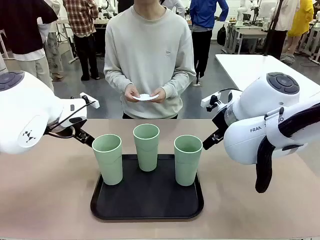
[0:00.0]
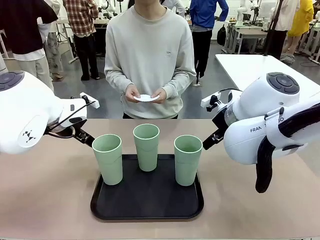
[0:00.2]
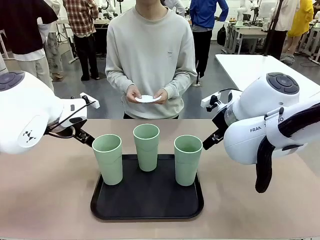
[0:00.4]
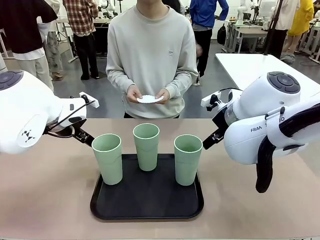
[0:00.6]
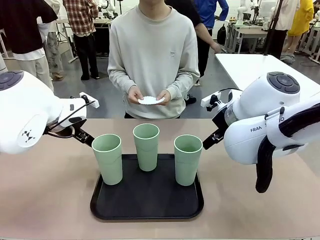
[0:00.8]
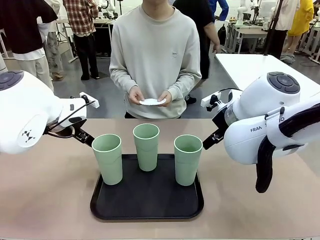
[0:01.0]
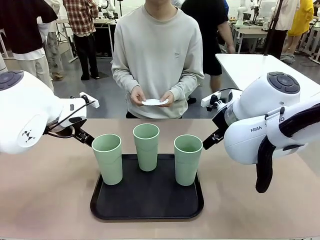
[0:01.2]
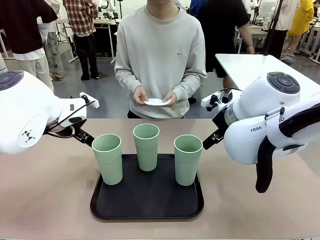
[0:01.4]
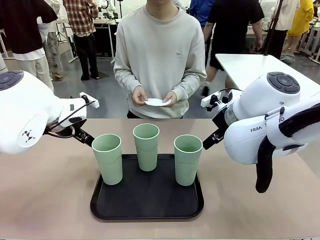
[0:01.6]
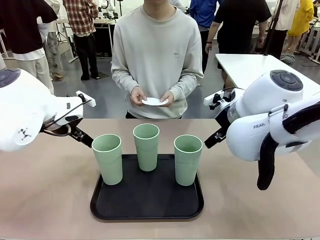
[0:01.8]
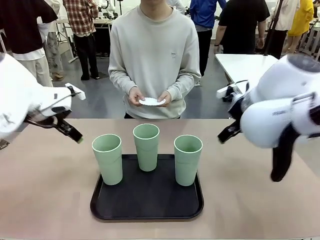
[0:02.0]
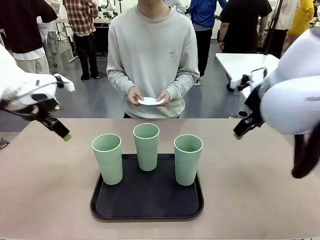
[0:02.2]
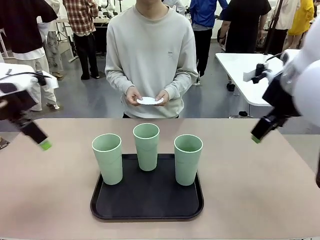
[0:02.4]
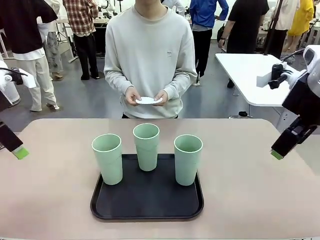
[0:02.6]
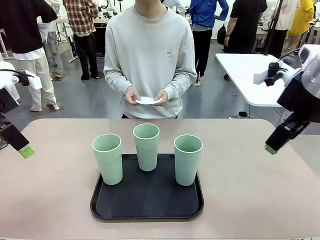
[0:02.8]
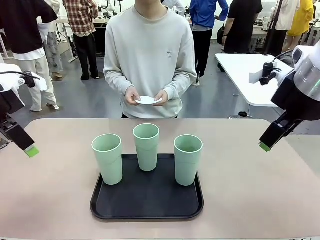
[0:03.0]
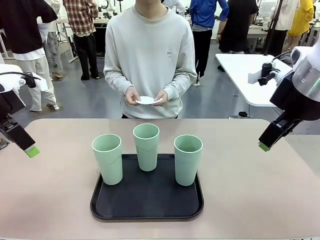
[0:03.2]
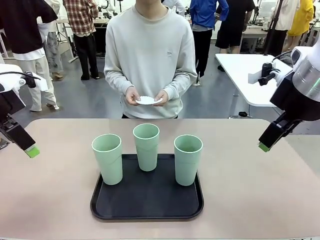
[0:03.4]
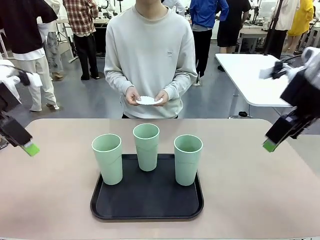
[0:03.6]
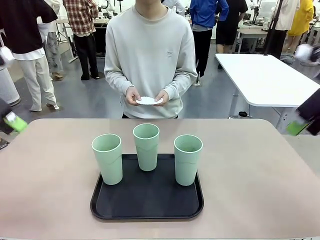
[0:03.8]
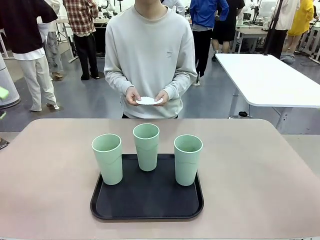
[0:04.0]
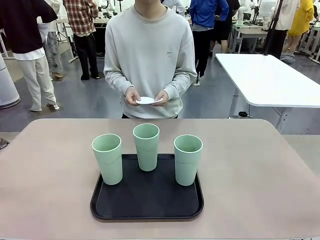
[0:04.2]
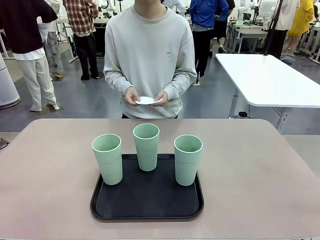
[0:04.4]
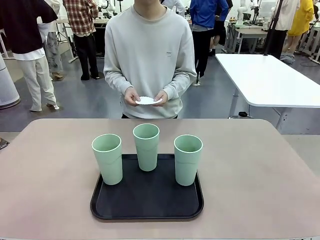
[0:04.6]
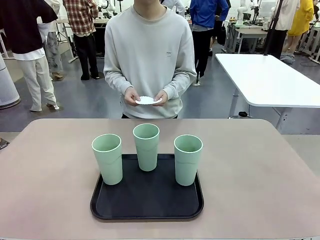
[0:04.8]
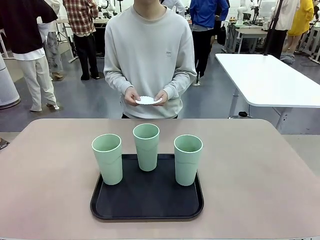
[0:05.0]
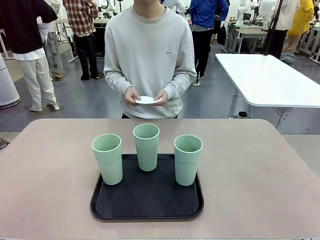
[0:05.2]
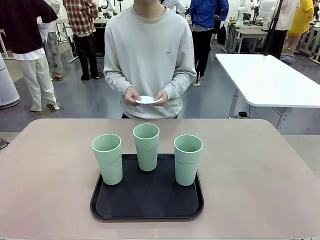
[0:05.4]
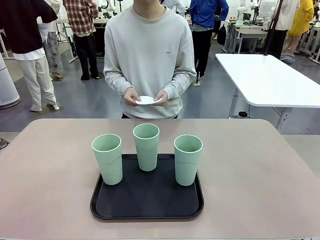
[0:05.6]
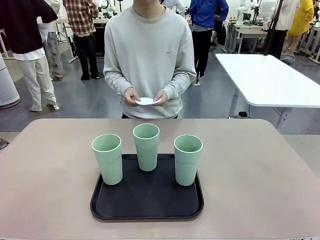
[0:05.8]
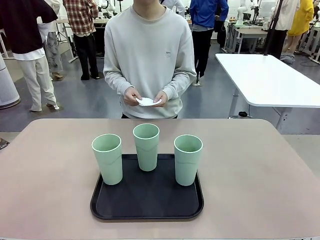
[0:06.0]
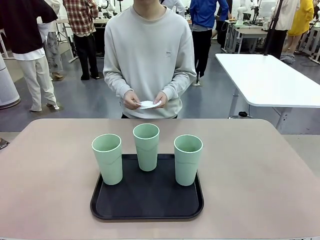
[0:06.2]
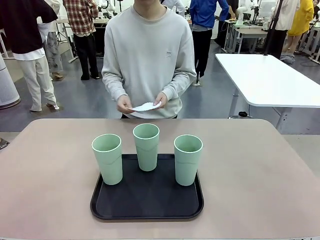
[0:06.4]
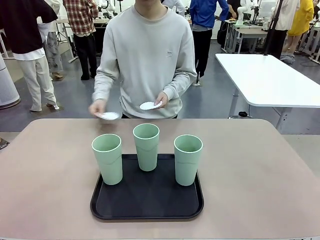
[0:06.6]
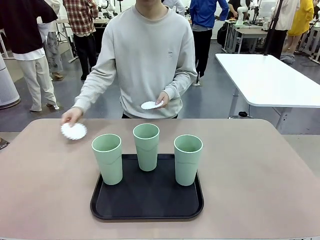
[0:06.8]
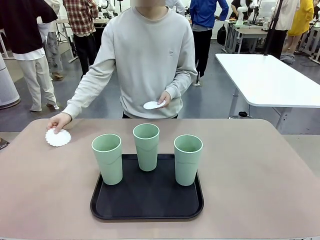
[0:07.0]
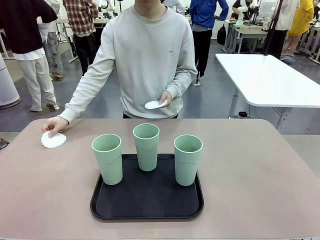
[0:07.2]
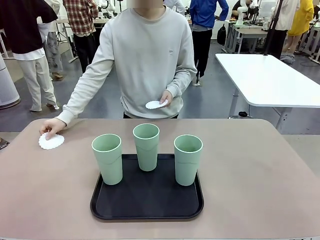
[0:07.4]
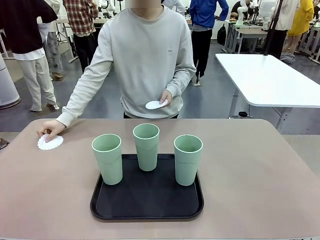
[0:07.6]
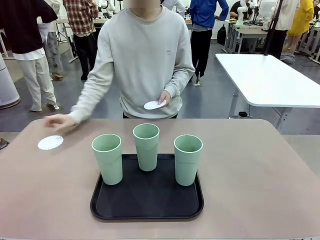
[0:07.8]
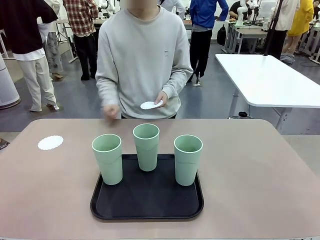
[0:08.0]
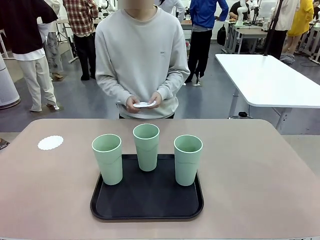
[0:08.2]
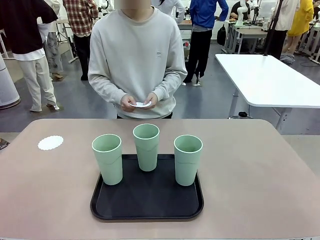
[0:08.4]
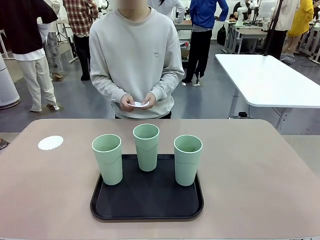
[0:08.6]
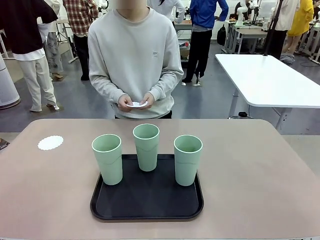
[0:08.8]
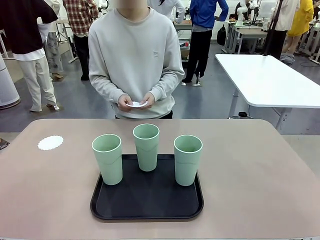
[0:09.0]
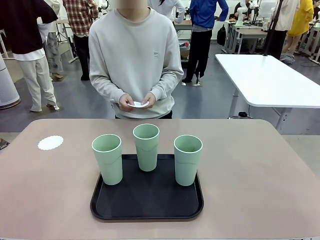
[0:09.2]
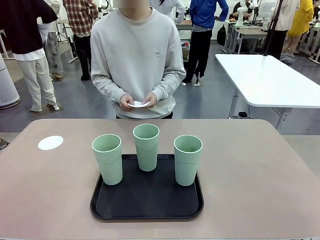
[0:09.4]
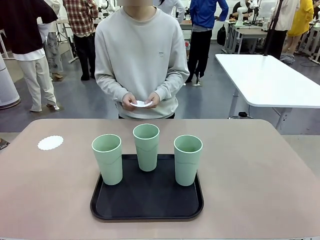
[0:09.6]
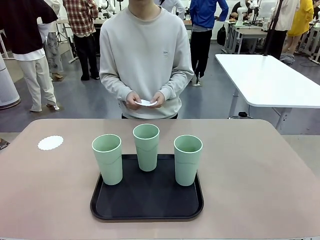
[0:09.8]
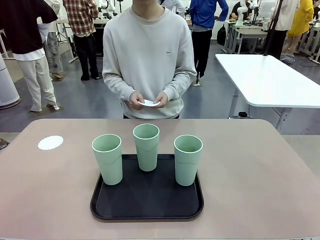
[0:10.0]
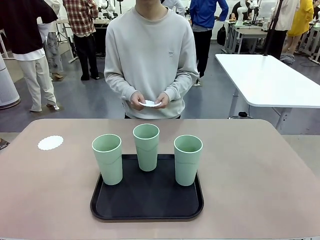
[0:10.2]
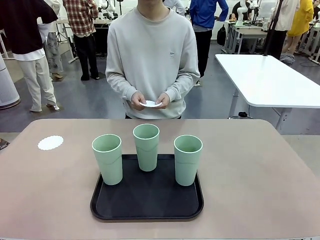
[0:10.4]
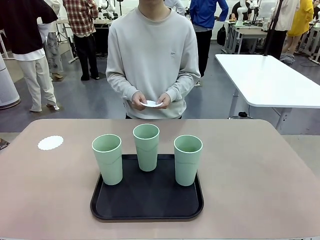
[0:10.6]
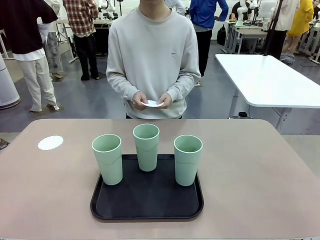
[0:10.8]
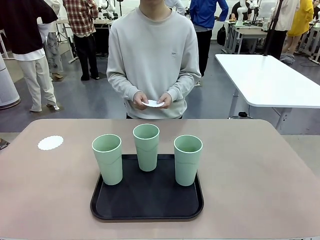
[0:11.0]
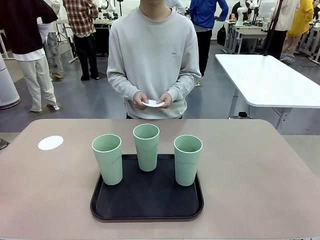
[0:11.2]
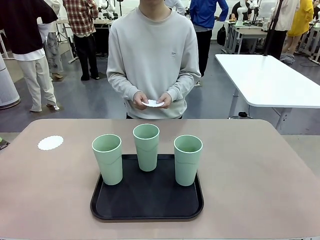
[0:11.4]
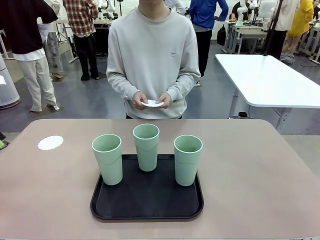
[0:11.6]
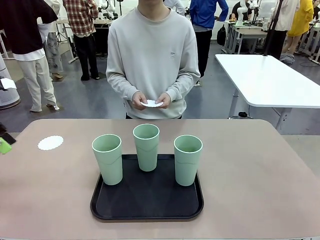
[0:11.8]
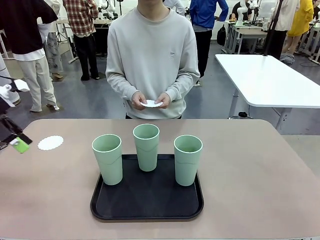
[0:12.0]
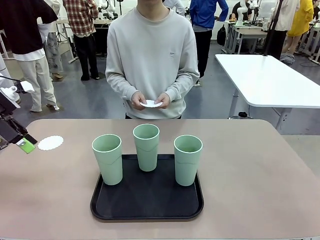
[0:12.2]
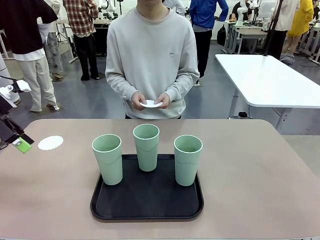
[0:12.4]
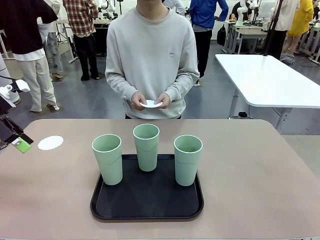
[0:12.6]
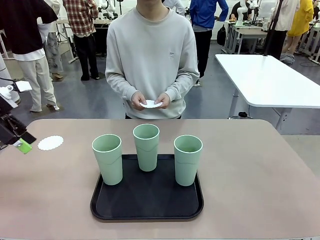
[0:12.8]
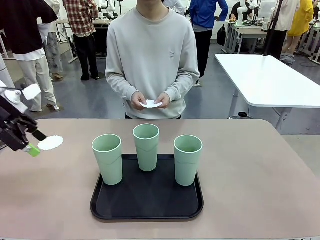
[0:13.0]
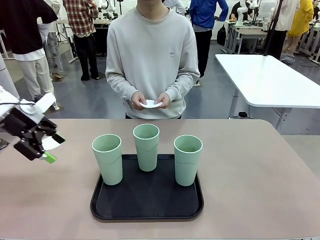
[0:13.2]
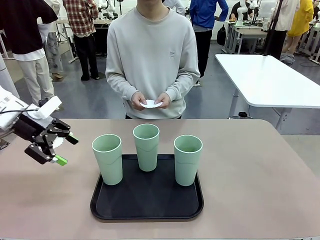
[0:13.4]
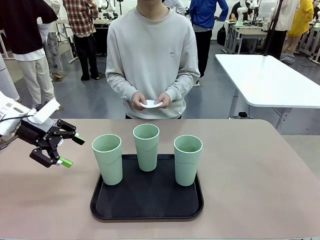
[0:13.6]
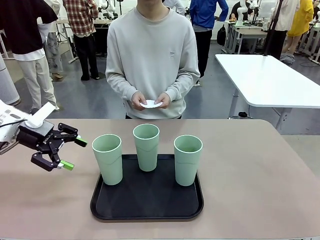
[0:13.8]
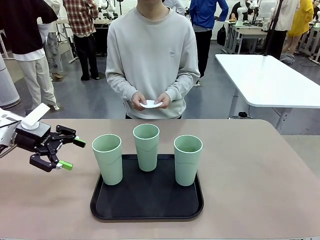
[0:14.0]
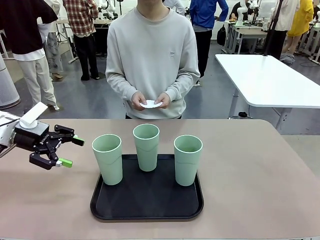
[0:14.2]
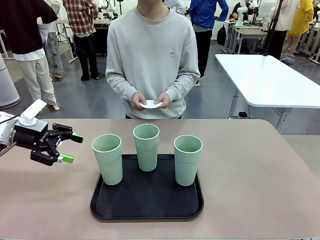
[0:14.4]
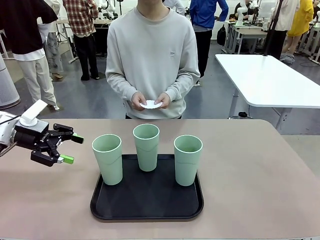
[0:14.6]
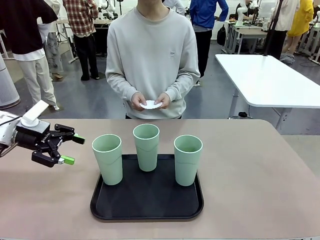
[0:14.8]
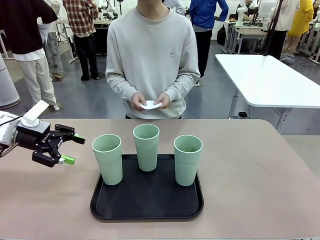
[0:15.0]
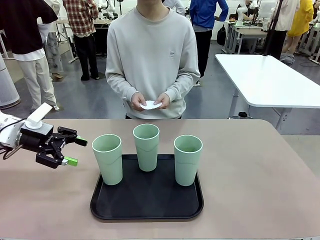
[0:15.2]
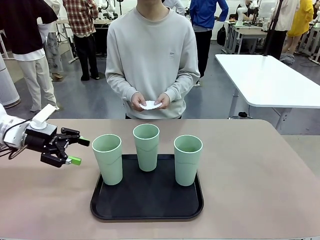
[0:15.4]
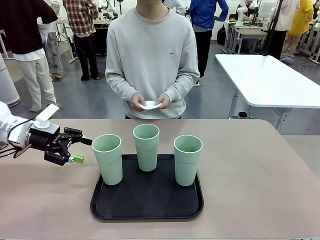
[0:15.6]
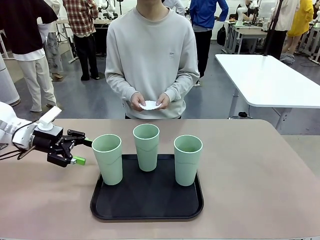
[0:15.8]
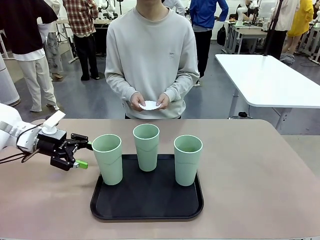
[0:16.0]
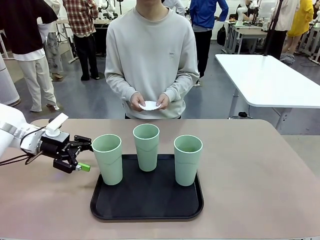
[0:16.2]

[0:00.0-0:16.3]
Task: Place coasters on the table and set cups on them.
Robot: Pick up one Reusable plastic cup and place it on a coaster set by the human.
Person: Place one coaster in any one of the three lower areas of the robot table (left, center, or right).

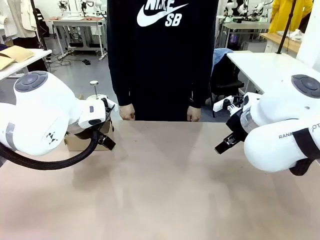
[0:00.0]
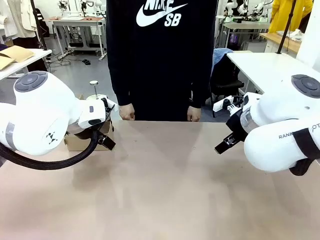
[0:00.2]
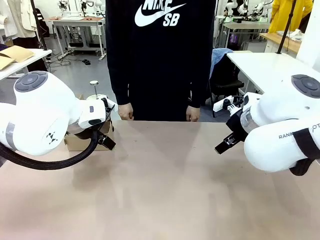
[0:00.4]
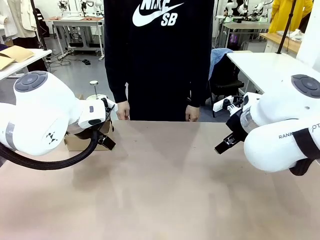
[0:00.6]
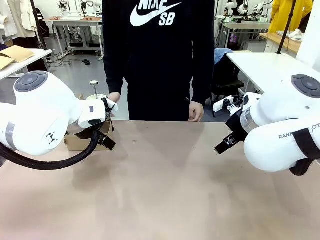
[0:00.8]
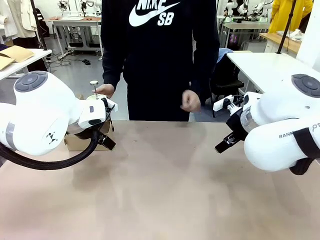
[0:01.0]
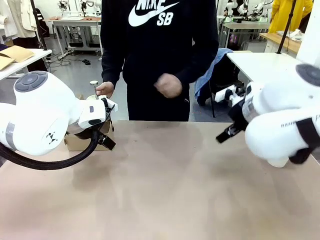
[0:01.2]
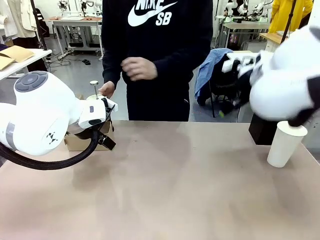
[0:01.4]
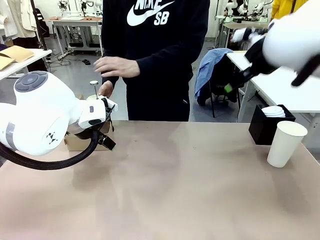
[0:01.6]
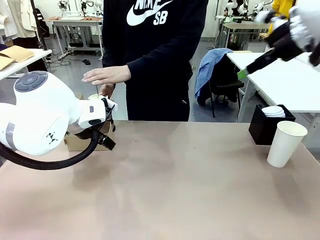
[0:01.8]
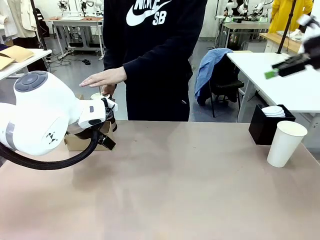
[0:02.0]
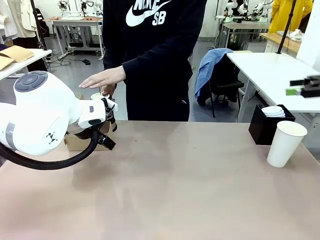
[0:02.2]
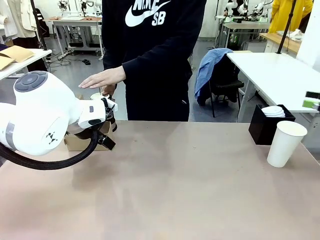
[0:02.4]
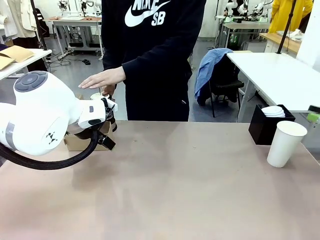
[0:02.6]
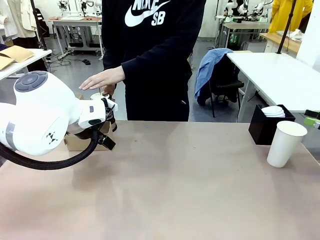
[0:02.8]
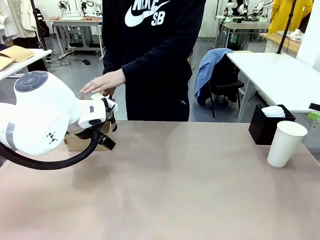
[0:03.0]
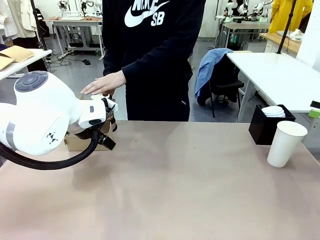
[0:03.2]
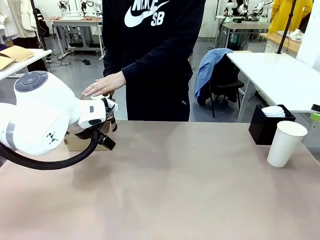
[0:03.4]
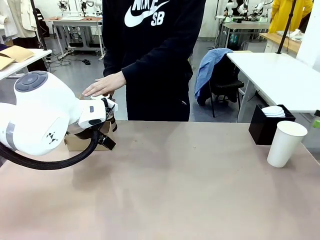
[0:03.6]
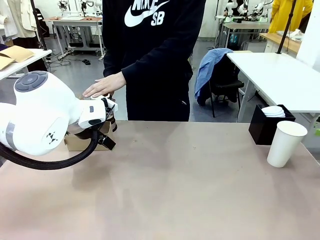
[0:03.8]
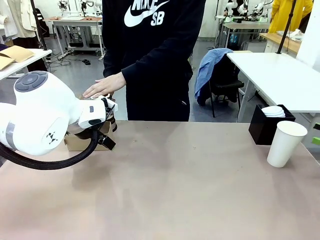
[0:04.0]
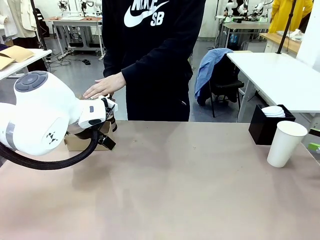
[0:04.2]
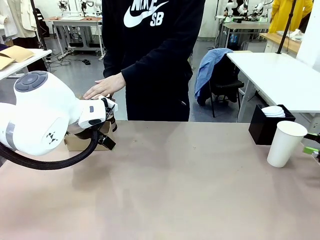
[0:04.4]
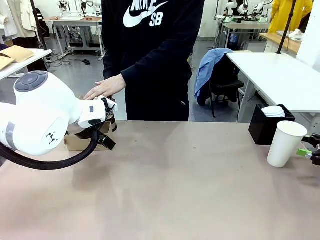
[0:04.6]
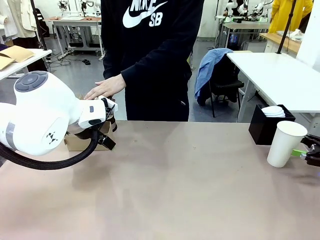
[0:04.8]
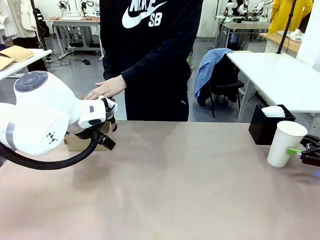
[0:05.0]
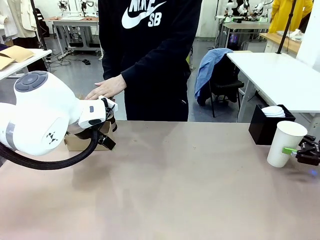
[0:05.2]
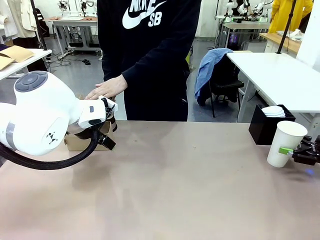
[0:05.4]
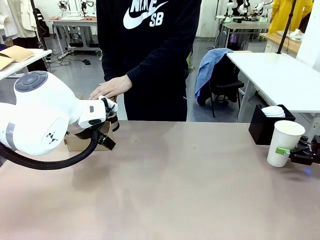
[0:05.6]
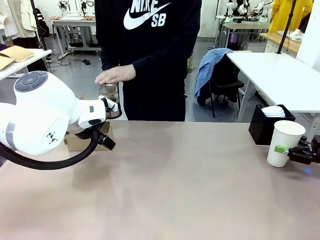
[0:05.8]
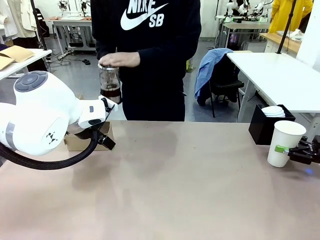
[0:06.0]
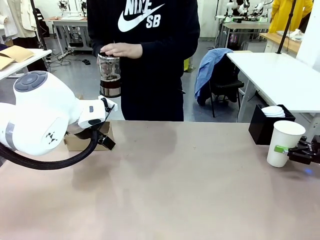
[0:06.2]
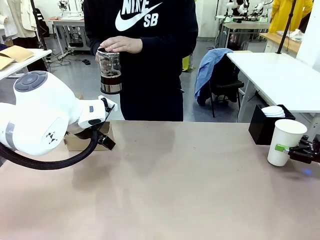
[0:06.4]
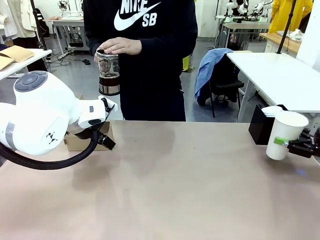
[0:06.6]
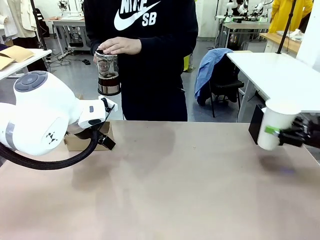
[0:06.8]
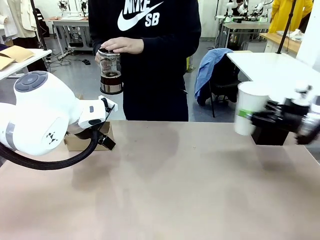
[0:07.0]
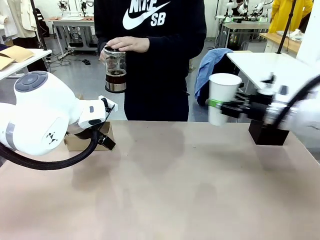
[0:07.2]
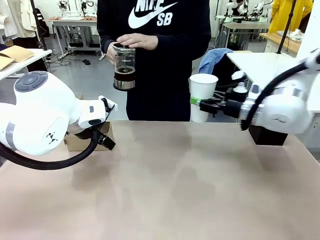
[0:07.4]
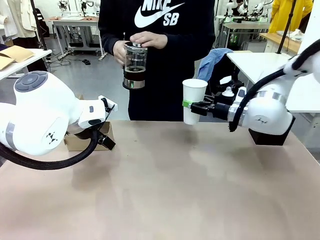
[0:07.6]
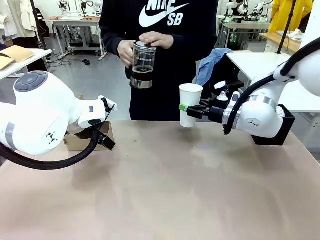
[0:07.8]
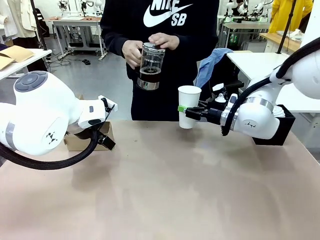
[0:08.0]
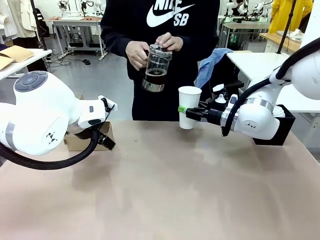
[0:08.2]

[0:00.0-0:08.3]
Task: Pour a drink into a cup and package it in a carrier.
Robot: Pick up the 600 ml Paper Cup and place it in the middle top area of the table.
Person: Press and pick up the Filter Brewing.
